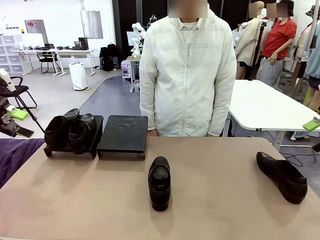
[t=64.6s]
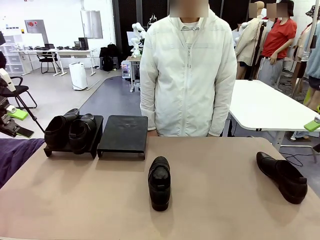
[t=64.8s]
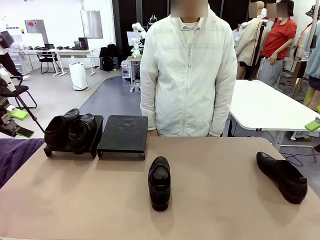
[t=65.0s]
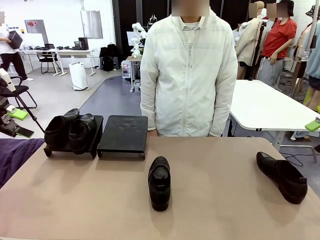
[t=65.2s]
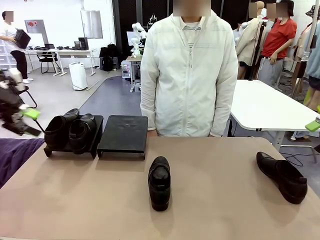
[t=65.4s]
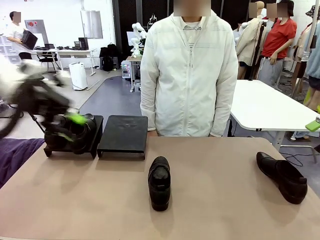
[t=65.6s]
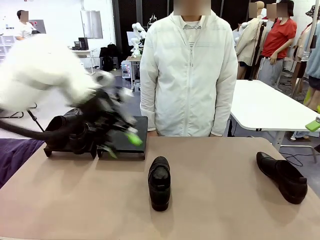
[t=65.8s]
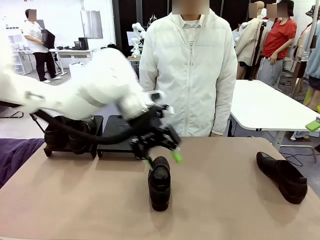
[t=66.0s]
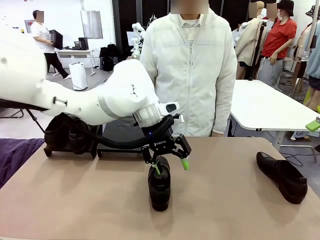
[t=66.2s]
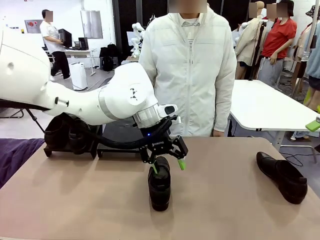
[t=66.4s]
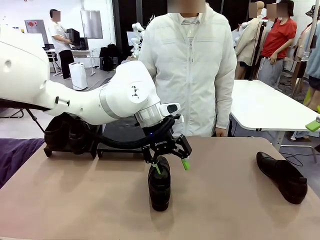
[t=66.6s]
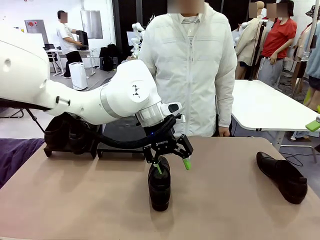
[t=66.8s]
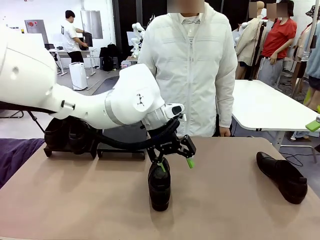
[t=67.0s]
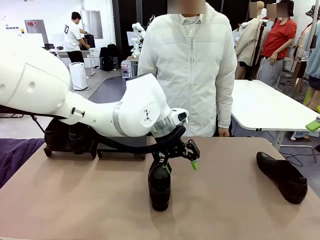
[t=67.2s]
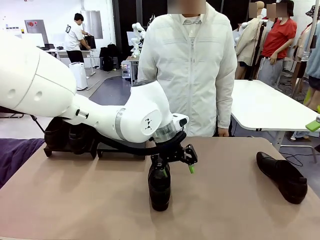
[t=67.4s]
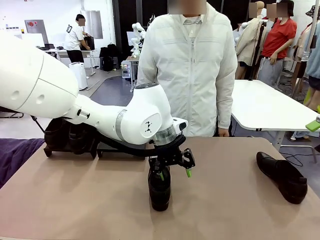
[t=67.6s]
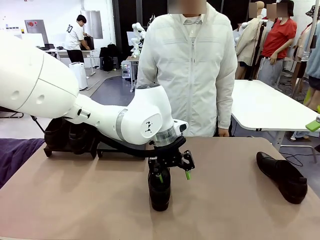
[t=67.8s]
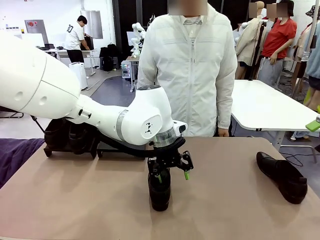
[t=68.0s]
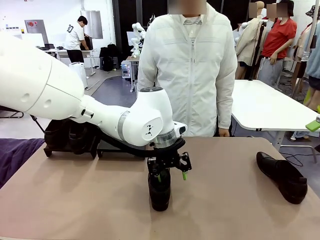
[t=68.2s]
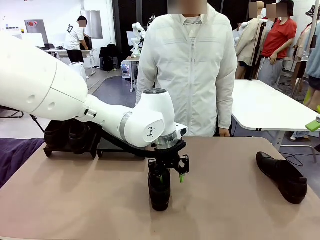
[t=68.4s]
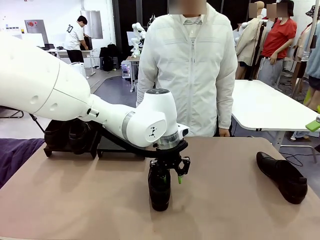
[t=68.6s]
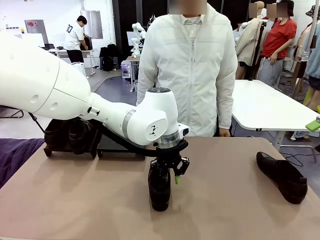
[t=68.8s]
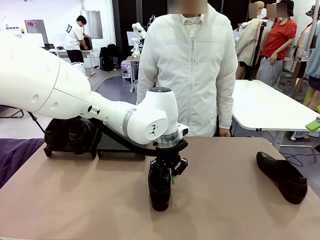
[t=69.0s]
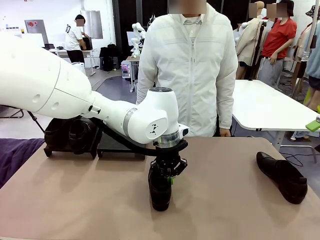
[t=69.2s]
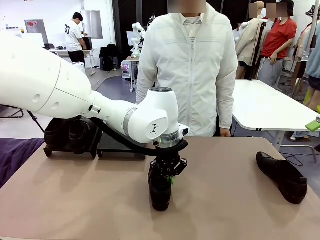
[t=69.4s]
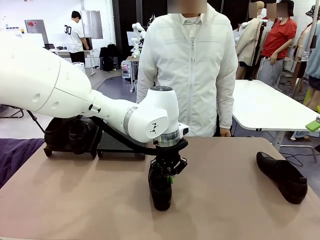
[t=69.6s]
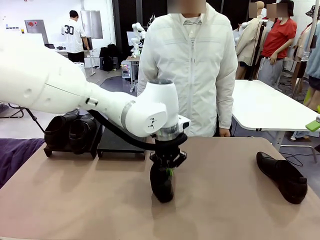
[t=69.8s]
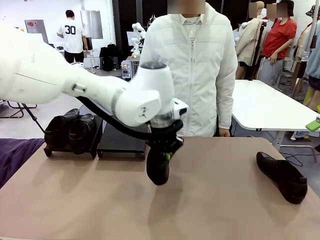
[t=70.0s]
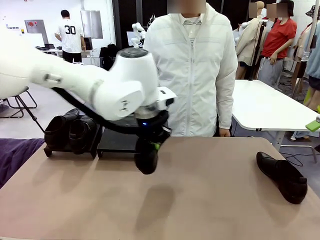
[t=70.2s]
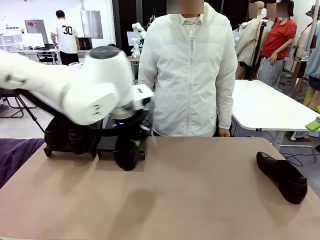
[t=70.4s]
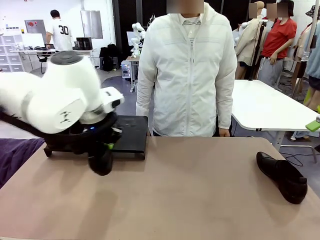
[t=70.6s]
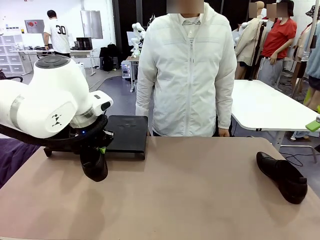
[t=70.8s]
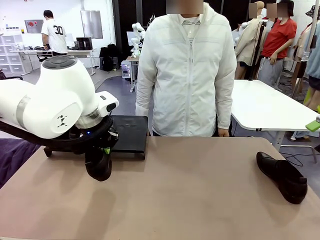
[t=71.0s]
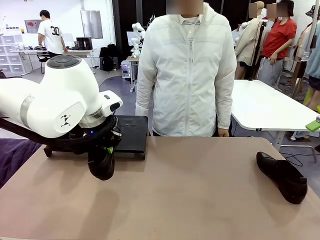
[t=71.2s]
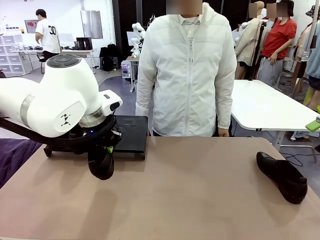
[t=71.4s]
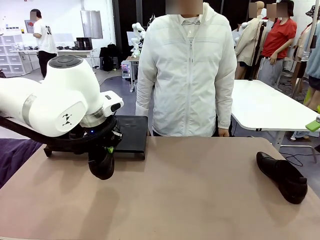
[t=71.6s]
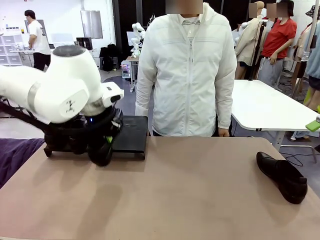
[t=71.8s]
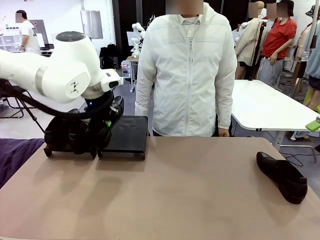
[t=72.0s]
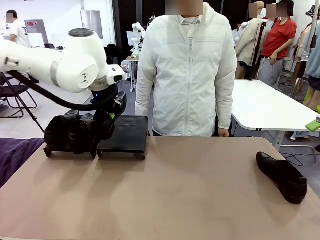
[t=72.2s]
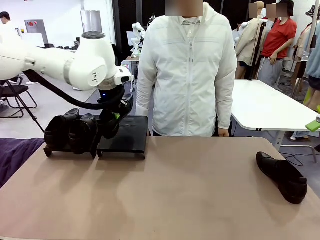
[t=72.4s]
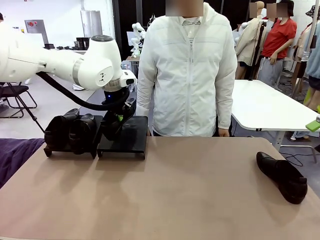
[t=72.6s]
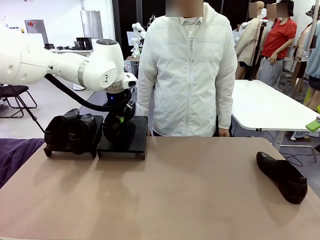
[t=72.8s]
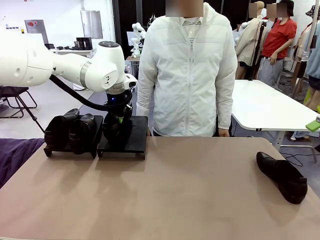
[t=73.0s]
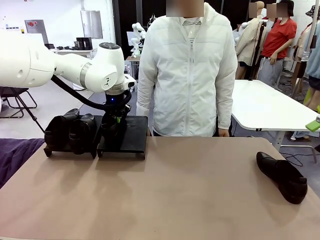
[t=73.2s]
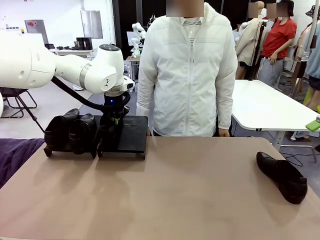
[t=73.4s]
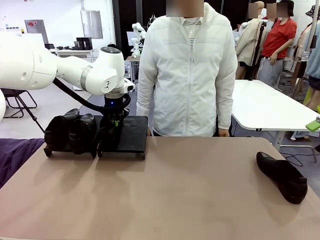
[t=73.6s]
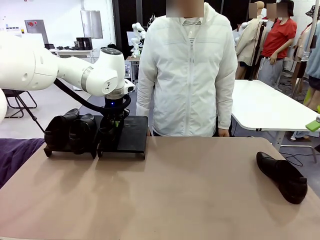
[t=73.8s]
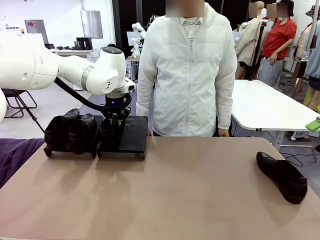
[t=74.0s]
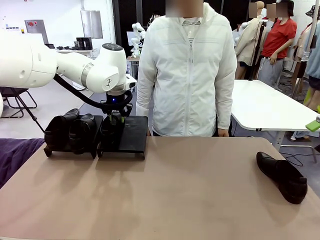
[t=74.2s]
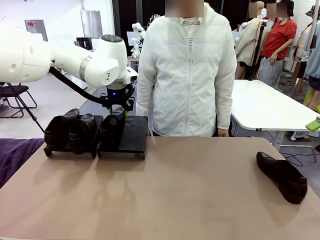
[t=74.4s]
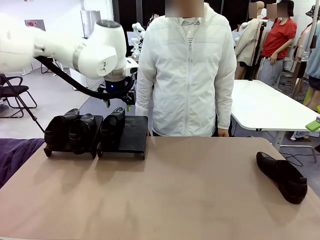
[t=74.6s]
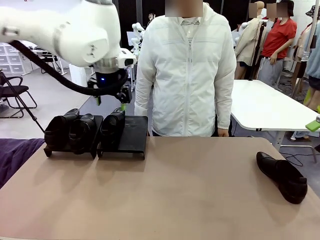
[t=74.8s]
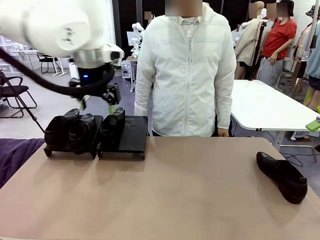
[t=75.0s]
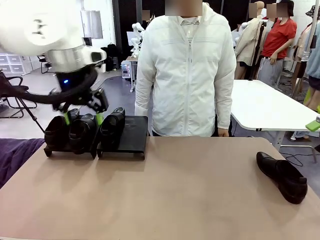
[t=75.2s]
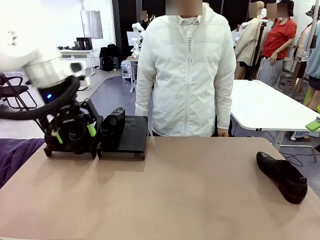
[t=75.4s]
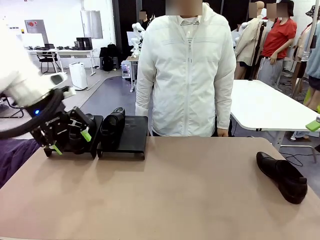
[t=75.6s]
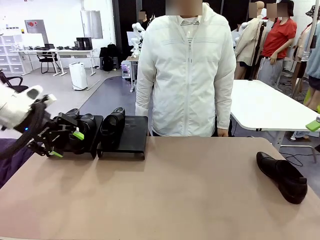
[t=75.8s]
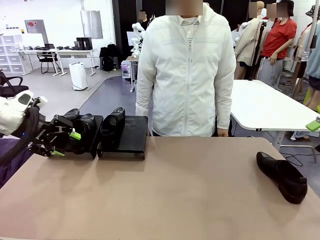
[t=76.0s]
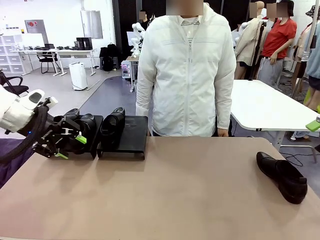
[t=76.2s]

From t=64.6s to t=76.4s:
Task: Organize the shoes by placing them on the stand.
Robot: Place the Shoe from the middle of the table onto the Shoes Stand.

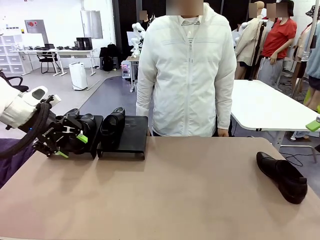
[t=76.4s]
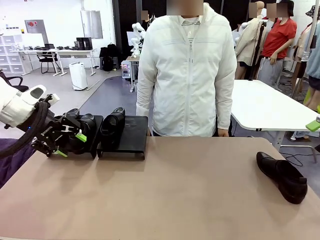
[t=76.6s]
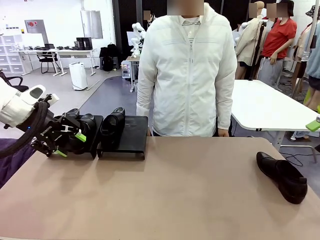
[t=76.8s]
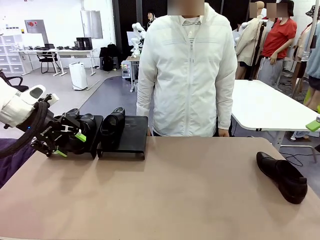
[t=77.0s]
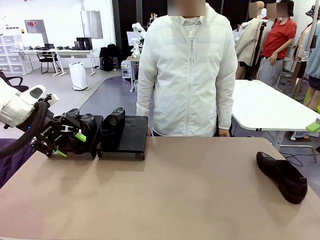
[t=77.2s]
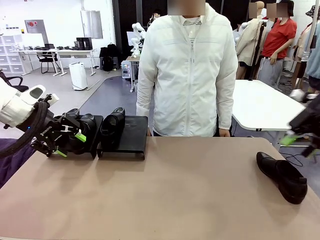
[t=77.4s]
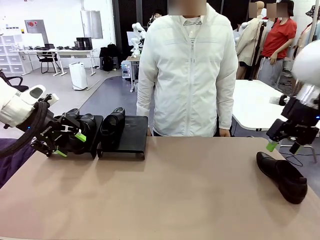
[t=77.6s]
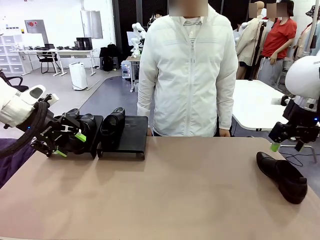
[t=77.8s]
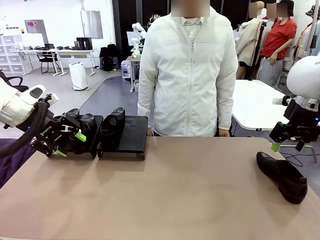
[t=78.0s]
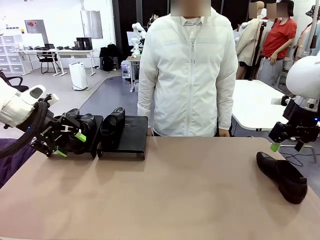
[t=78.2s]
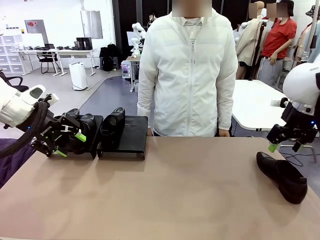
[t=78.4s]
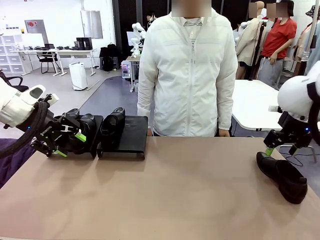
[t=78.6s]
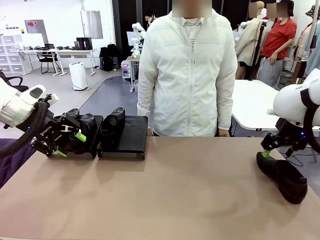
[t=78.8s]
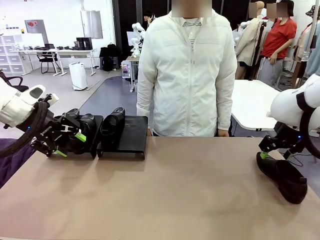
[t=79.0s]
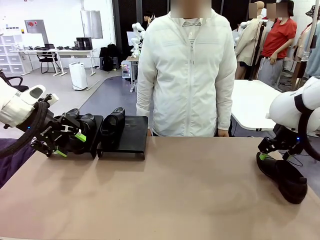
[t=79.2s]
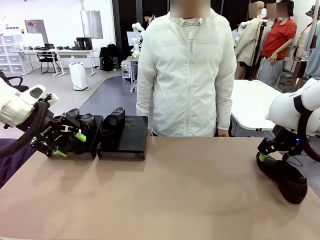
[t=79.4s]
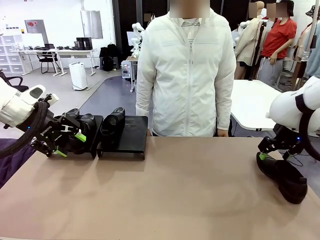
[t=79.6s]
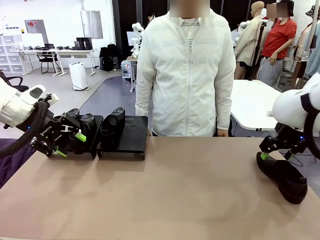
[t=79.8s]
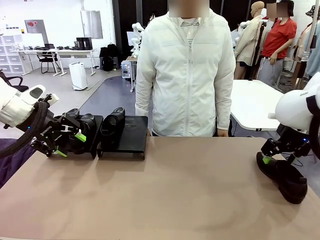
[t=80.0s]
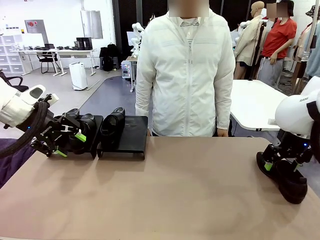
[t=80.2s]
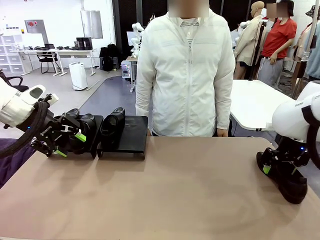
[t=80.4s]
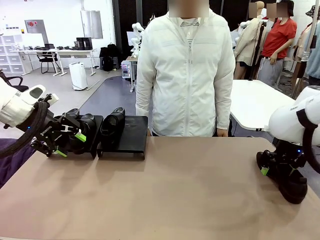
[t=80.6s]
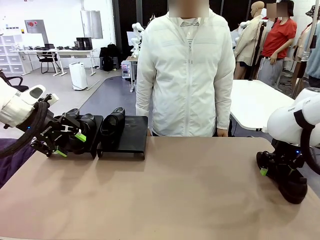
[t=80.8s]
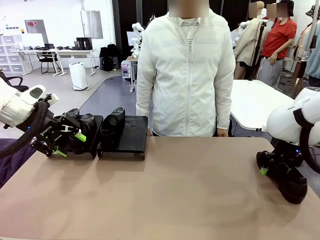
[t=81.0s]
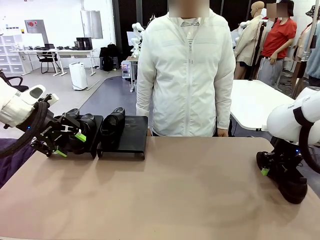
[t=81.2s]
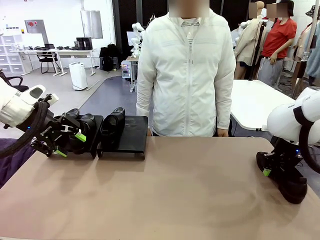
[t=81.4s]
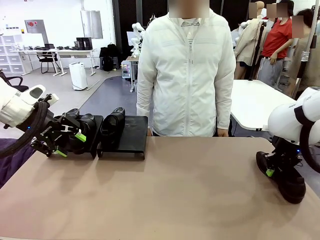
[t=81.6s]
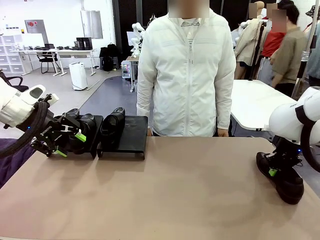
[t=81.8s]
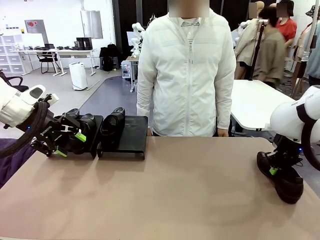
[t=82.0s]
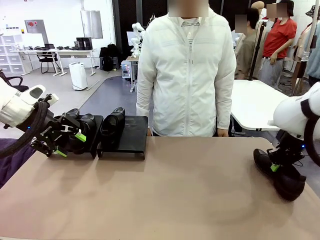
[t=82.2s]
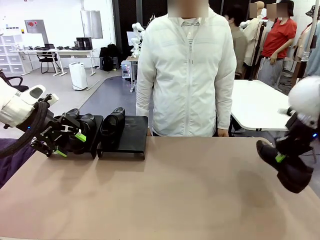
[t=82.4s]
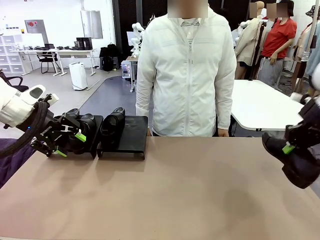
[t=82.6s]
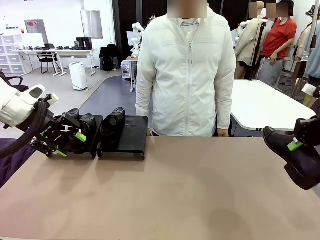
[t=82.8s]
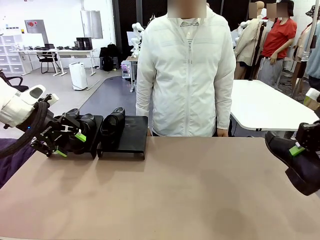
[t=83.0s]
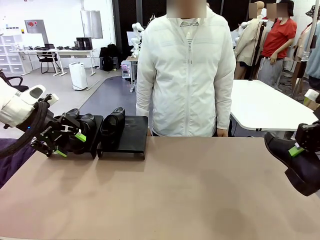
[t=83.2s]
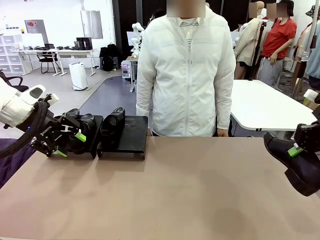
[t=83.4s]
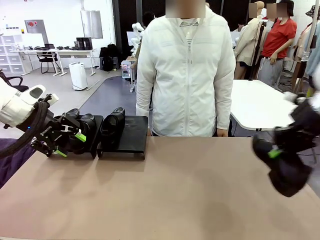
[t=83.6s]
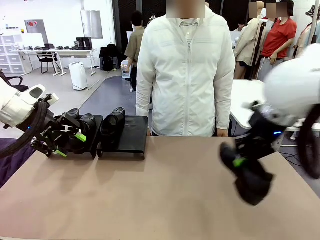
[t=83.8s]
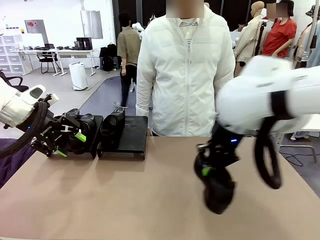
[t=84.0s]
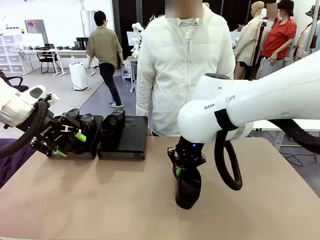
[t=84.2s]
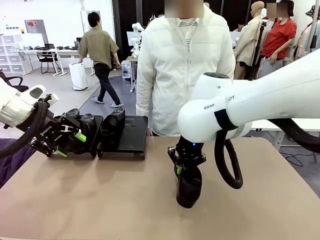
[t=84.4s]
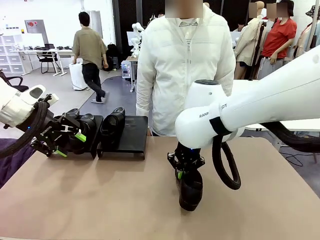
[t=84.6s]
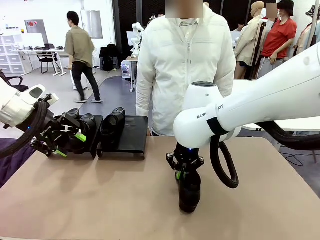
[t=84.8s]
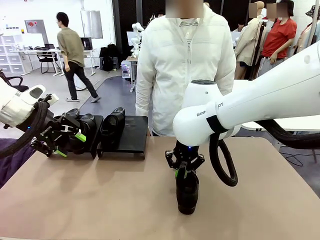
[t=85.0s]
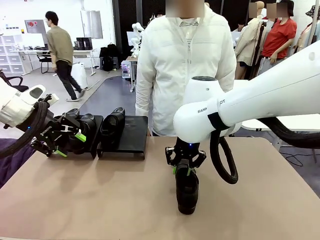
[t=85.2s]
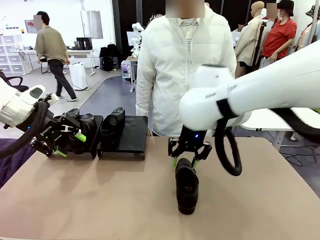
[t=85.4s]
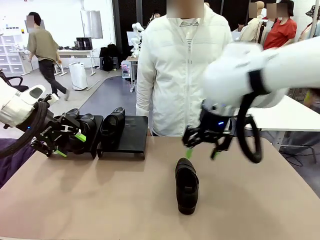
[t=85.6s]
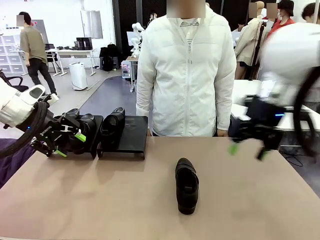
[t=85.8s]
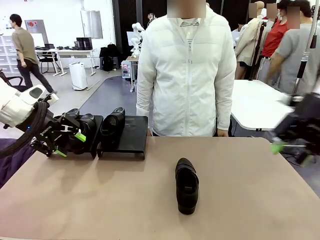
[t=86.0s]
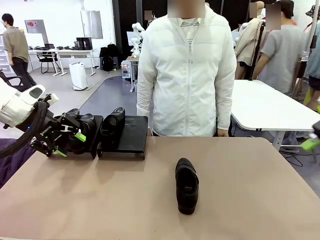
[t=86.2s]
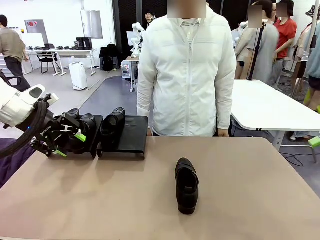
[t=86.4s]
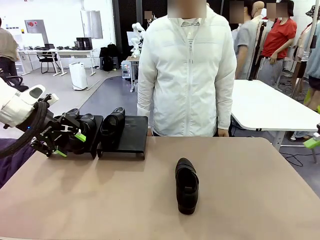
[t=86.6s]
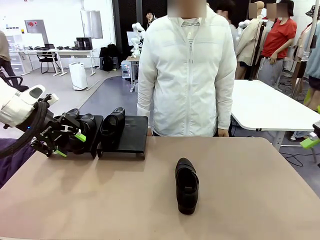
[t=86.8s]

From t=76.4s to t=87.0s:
Robot: Pick up one Shoe and place it in the middle of the table.
